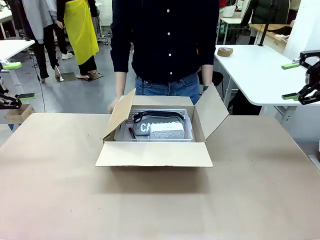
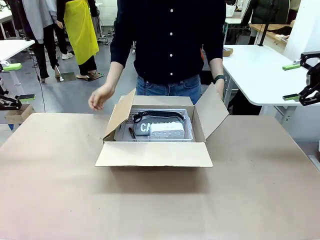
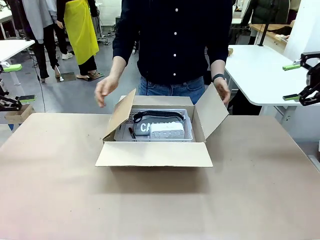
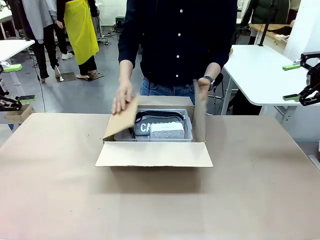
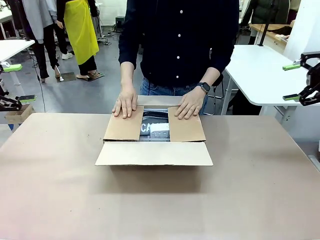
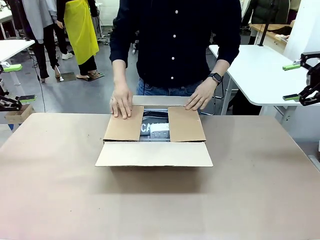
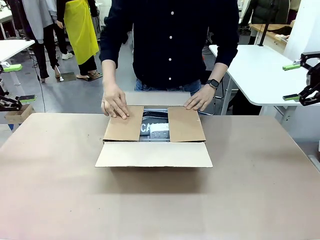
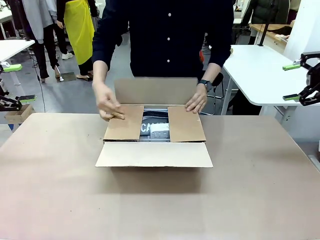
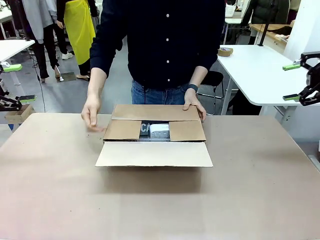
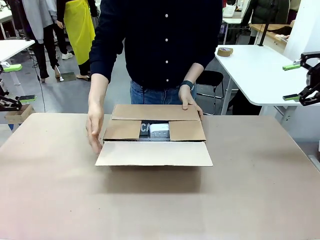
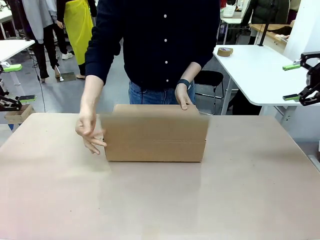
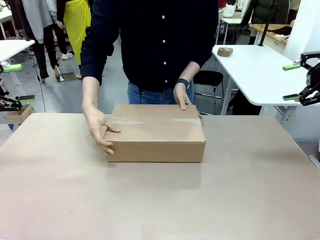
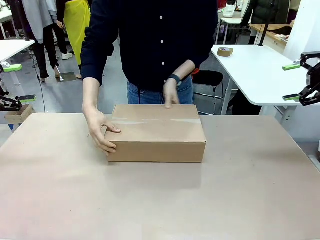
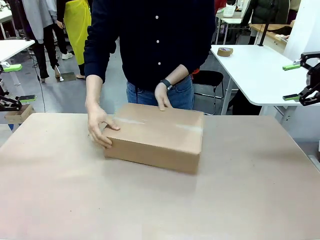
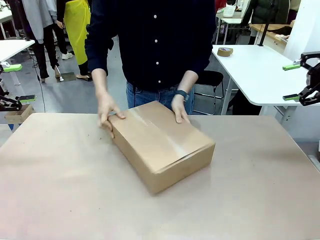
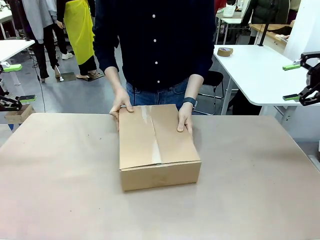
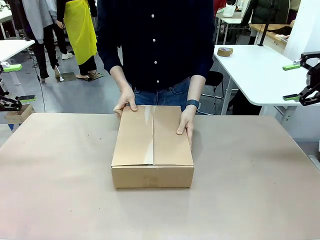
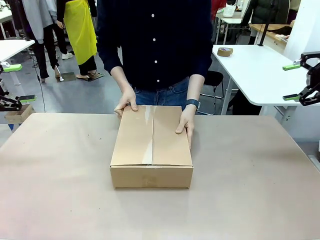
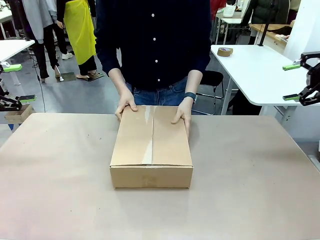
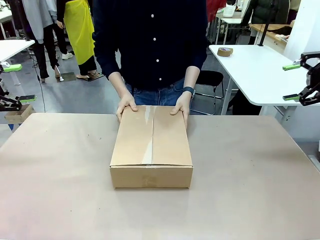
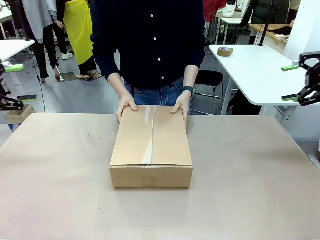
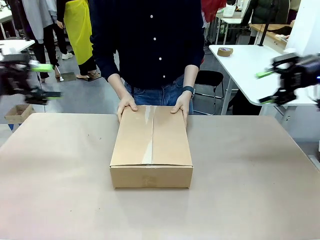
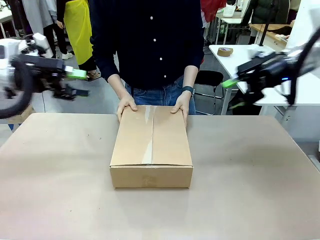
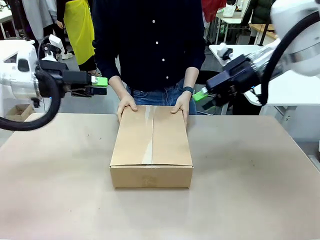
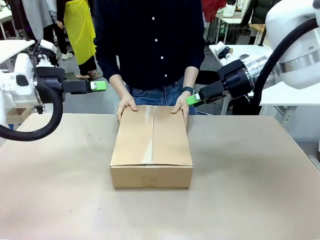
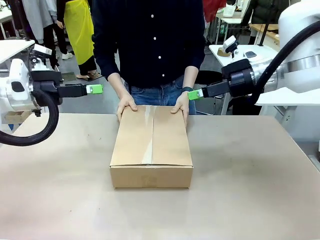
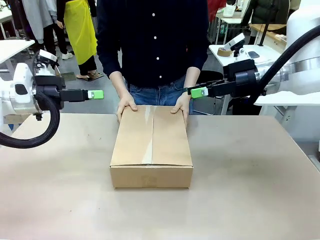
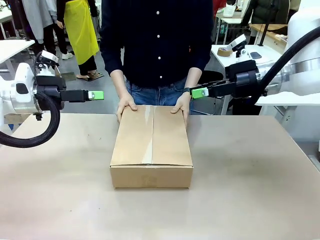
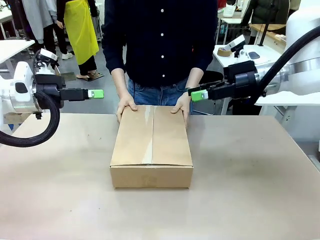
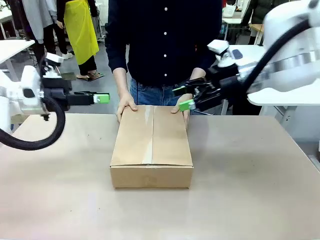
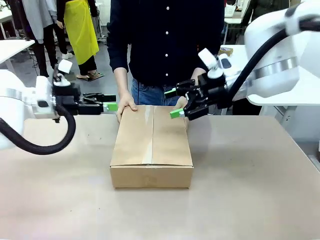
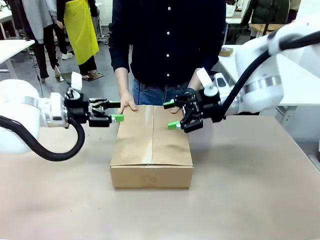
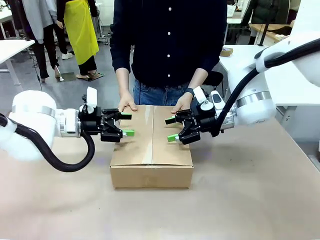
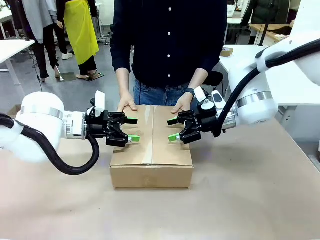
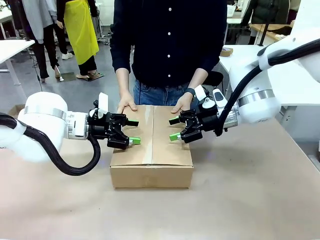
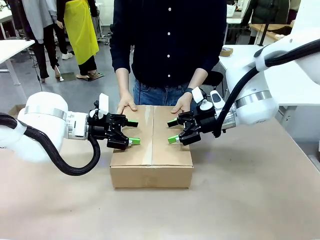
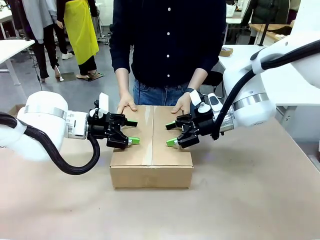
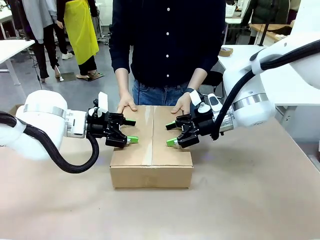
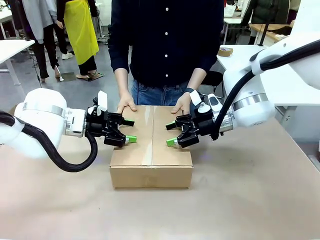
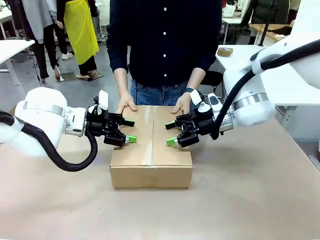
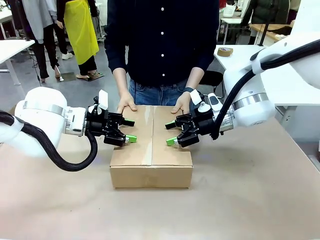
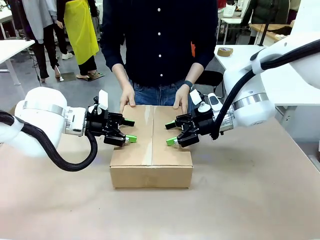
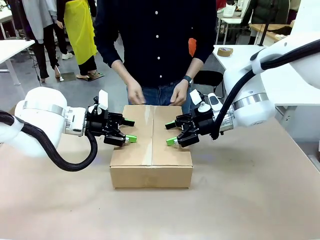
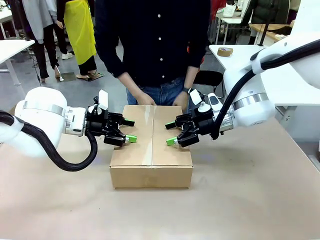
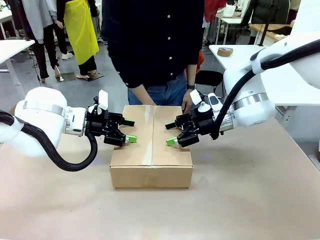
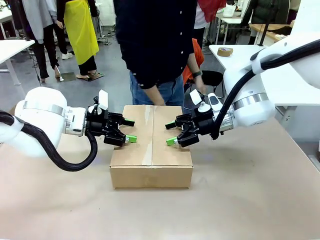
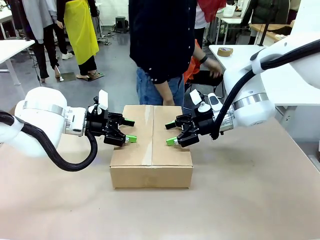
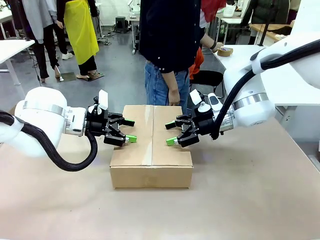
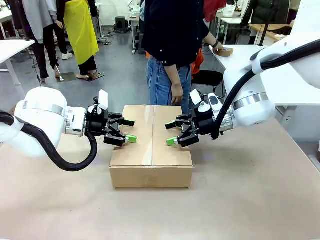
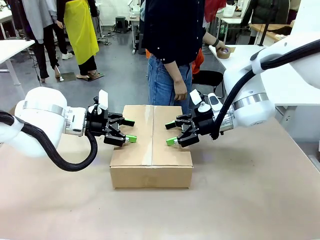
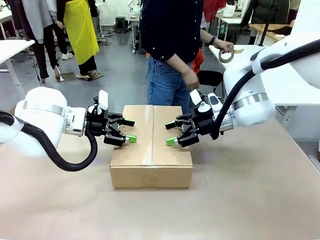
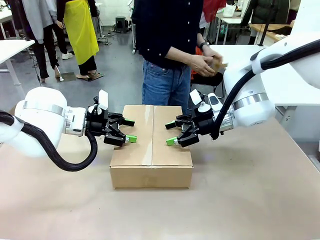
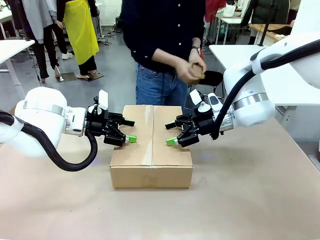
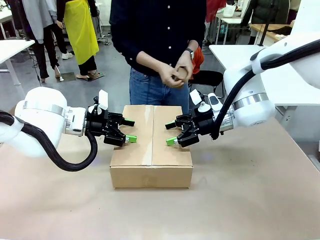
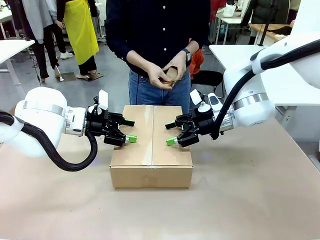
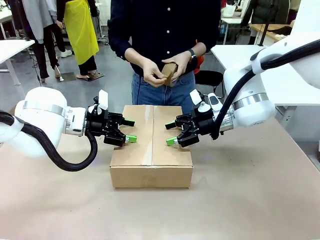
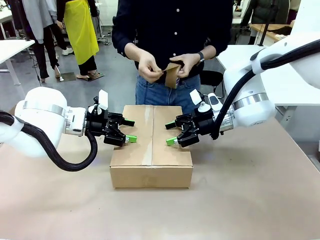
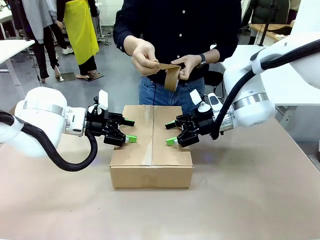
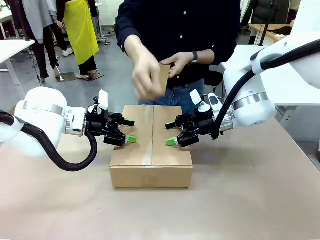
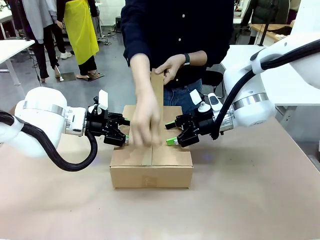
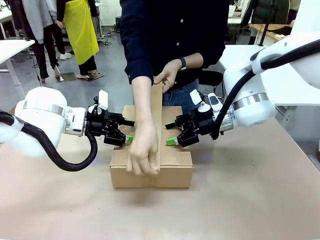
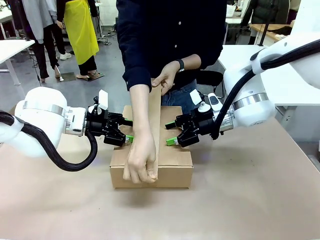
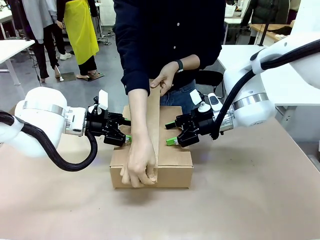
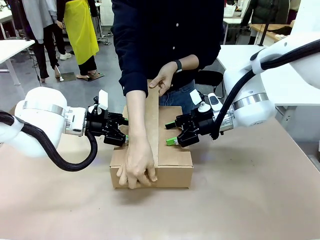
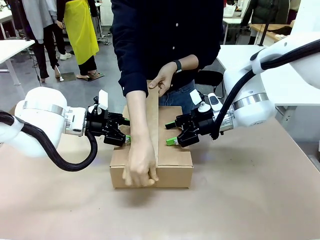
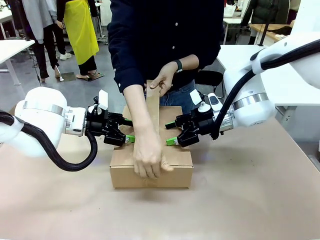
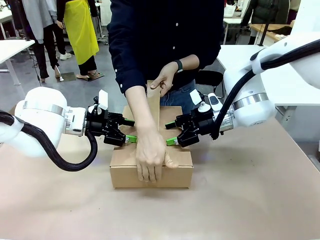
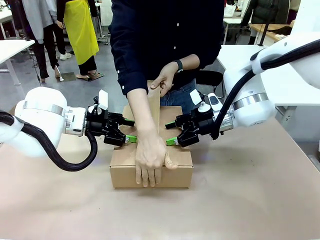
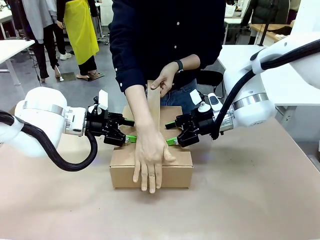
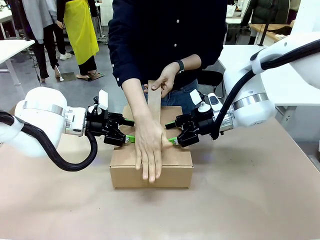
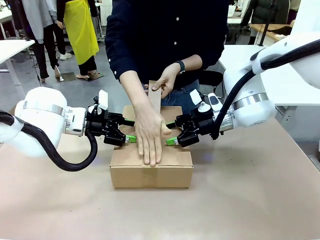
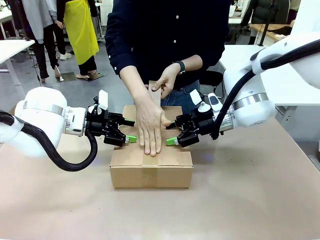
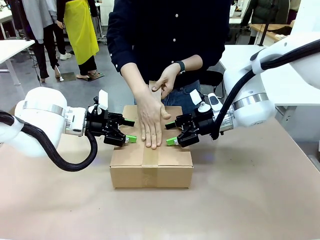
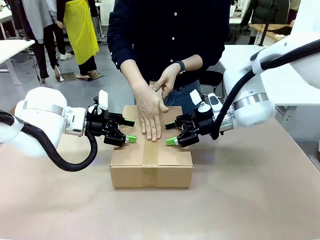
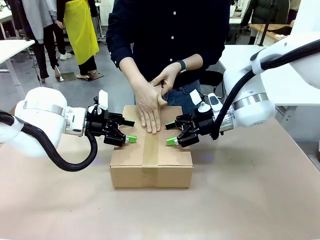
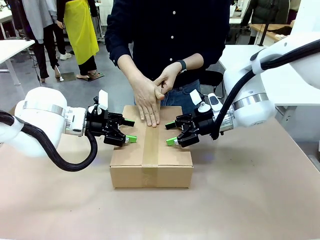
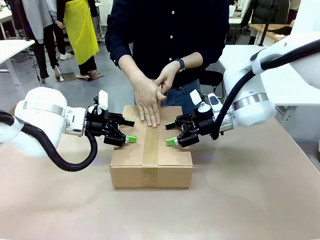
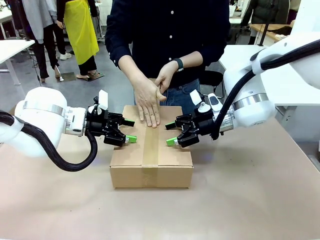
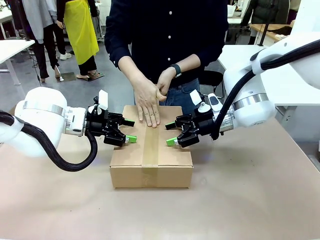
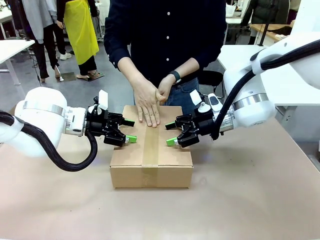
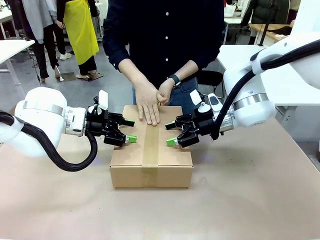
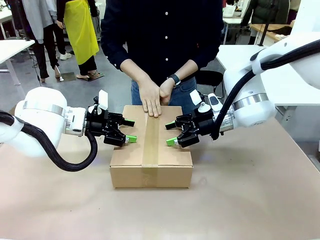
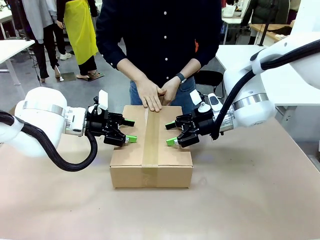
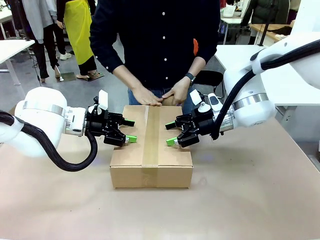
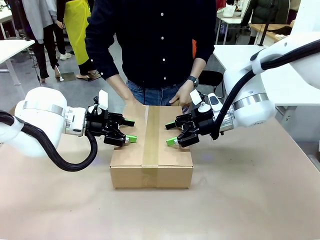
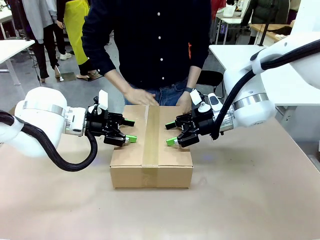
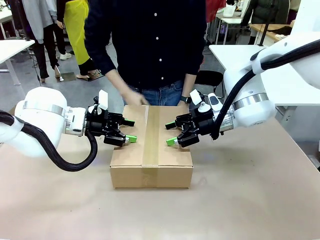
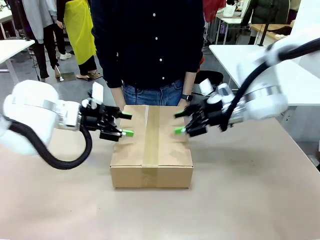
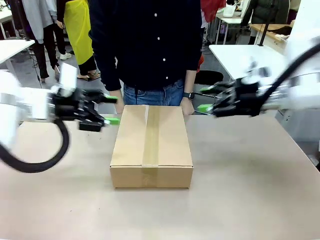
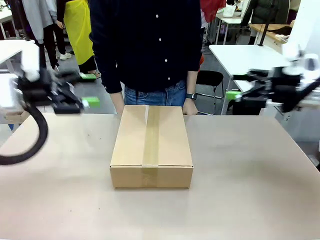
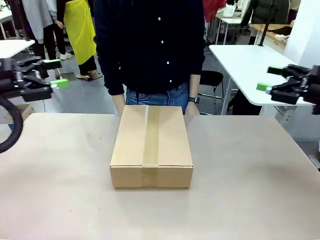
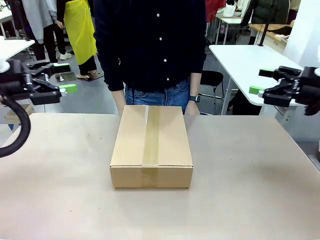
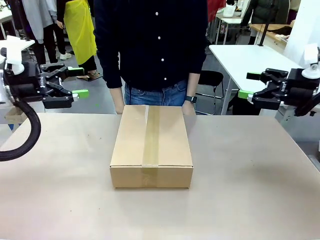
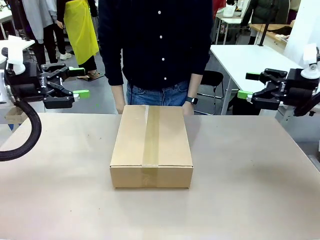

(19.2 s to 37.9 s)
Task: Pack the gift set into the box.
Robot: Press and hold the closed box until the human finishes sealing it.
Person: The human closes the box and rotates the box by 90 degrees. The human picks up the paper tape from the human table and packs the box.
